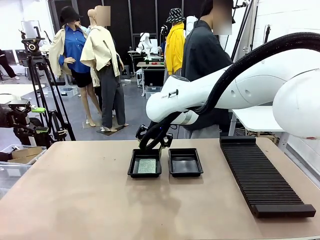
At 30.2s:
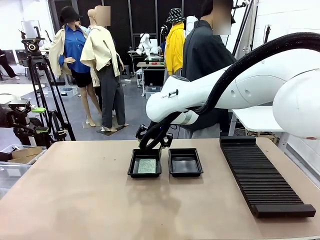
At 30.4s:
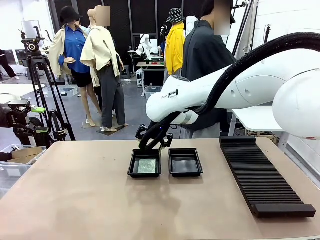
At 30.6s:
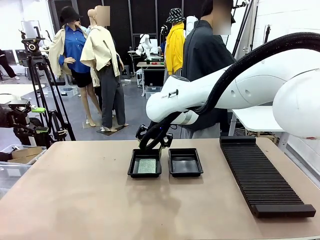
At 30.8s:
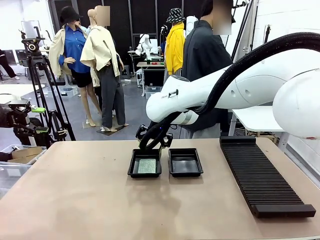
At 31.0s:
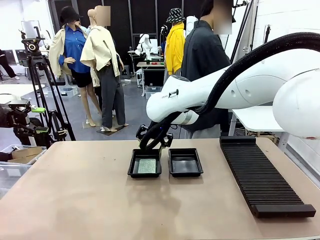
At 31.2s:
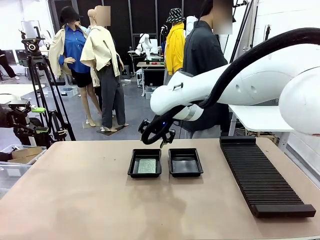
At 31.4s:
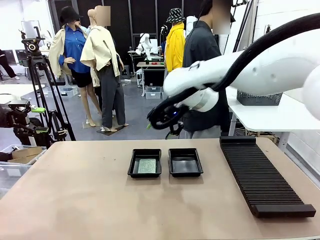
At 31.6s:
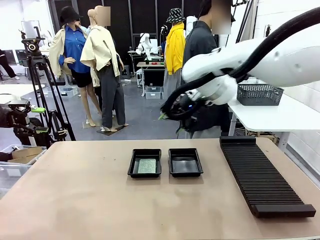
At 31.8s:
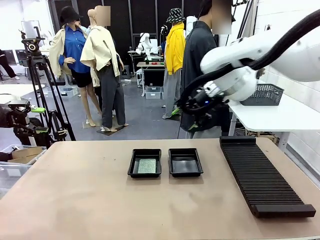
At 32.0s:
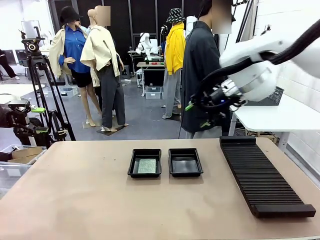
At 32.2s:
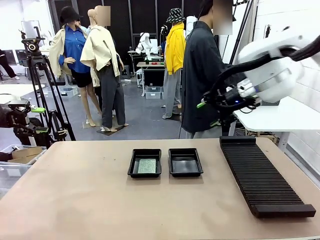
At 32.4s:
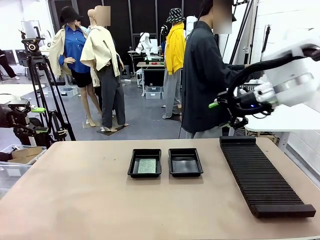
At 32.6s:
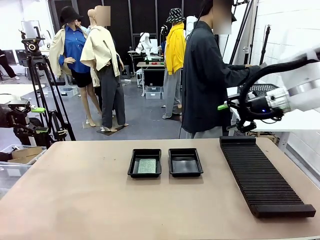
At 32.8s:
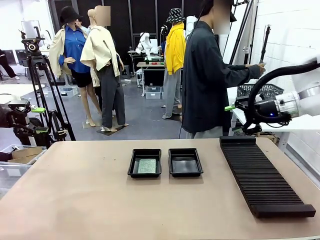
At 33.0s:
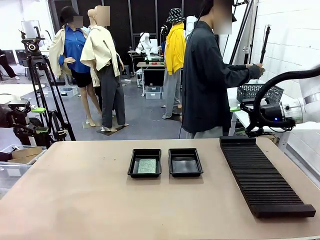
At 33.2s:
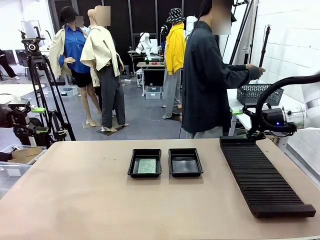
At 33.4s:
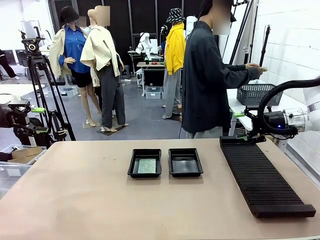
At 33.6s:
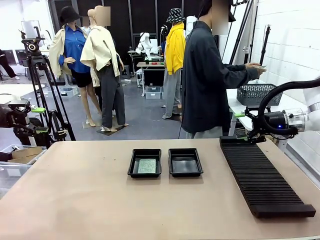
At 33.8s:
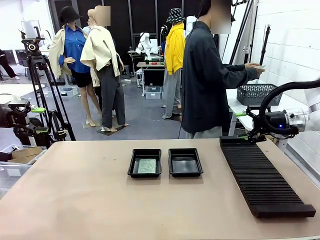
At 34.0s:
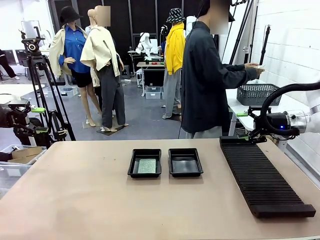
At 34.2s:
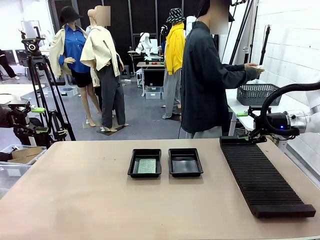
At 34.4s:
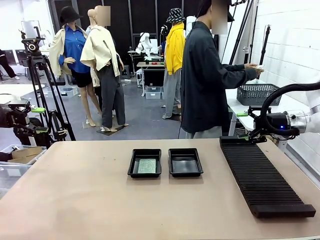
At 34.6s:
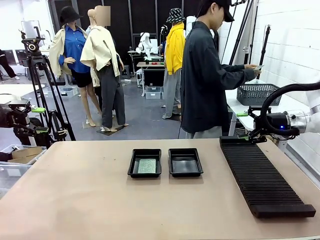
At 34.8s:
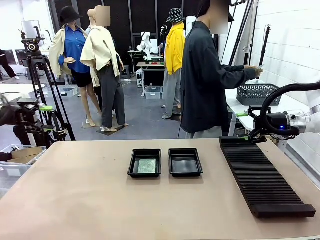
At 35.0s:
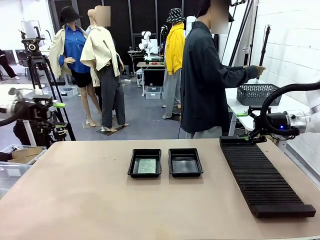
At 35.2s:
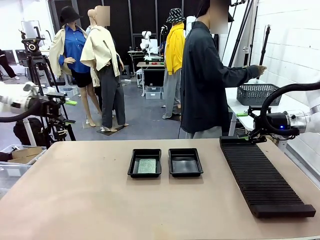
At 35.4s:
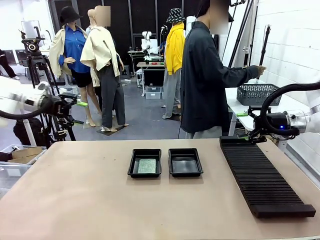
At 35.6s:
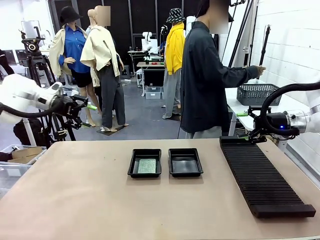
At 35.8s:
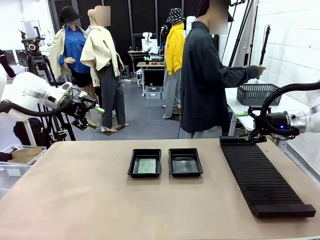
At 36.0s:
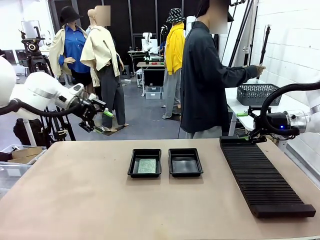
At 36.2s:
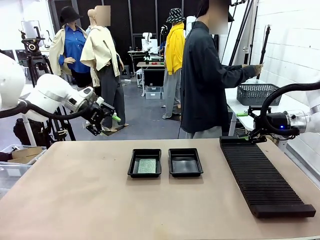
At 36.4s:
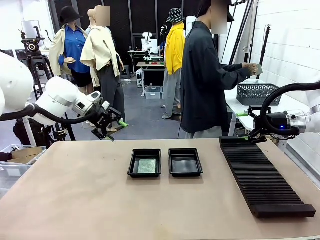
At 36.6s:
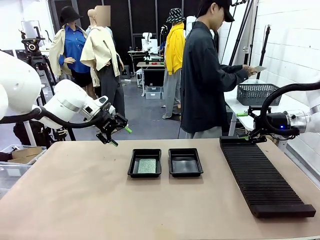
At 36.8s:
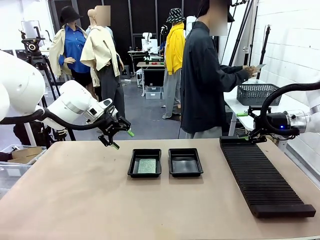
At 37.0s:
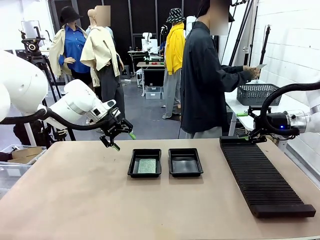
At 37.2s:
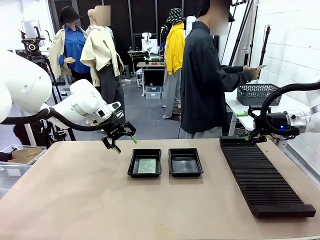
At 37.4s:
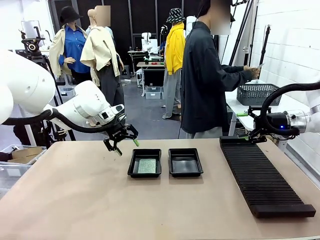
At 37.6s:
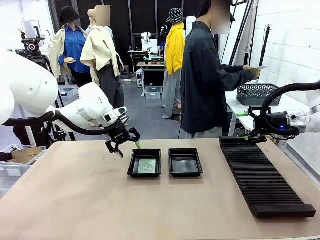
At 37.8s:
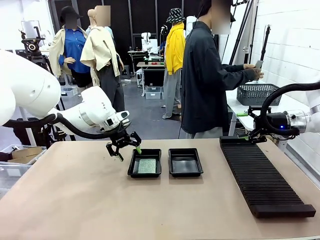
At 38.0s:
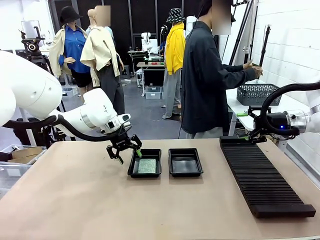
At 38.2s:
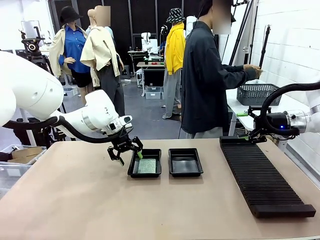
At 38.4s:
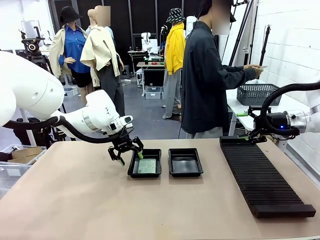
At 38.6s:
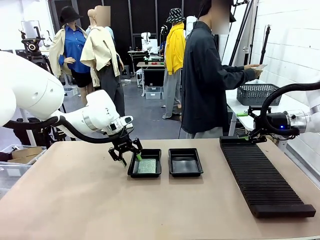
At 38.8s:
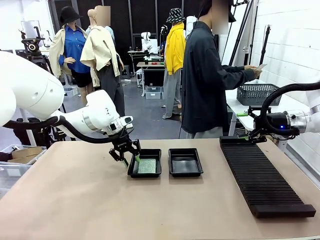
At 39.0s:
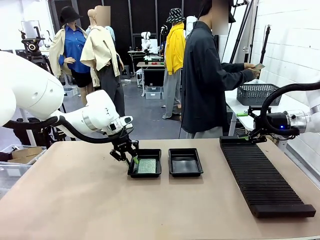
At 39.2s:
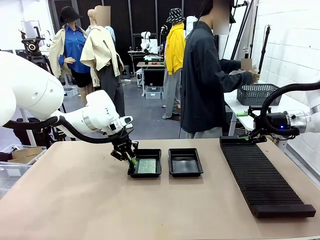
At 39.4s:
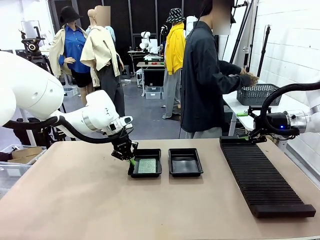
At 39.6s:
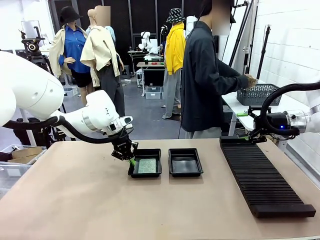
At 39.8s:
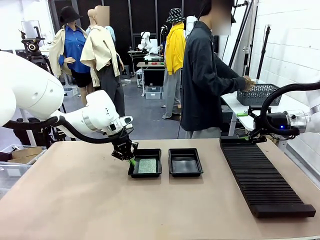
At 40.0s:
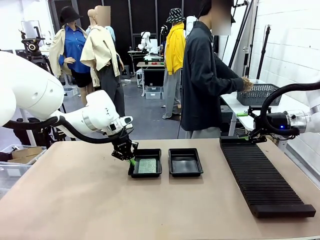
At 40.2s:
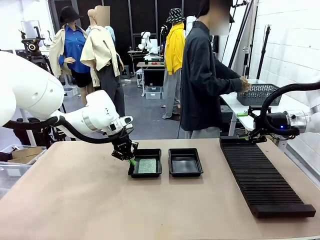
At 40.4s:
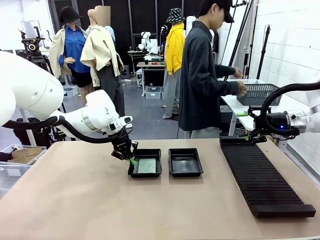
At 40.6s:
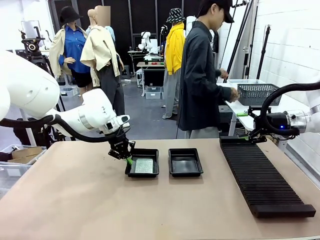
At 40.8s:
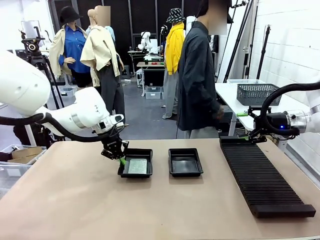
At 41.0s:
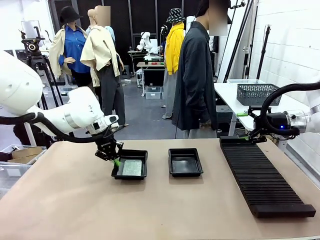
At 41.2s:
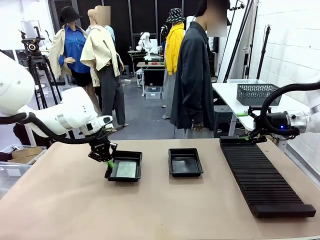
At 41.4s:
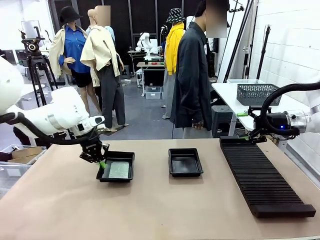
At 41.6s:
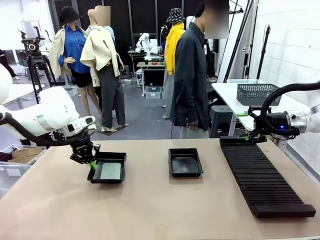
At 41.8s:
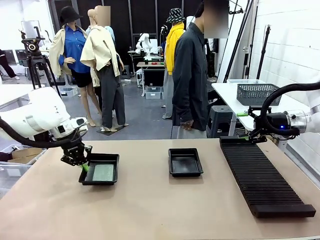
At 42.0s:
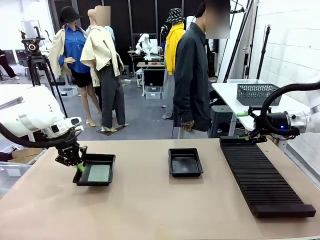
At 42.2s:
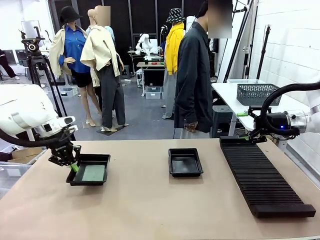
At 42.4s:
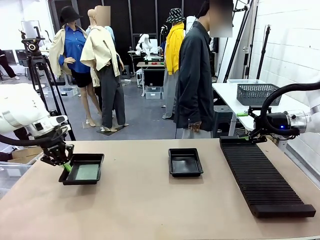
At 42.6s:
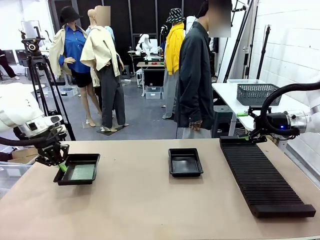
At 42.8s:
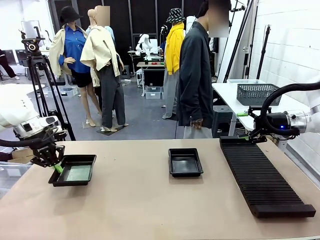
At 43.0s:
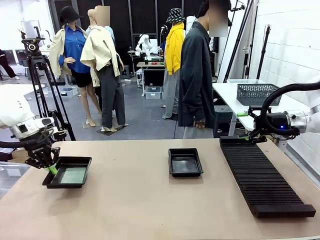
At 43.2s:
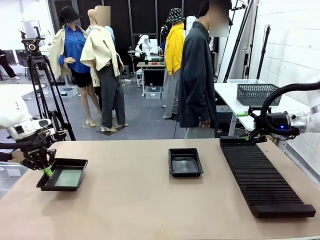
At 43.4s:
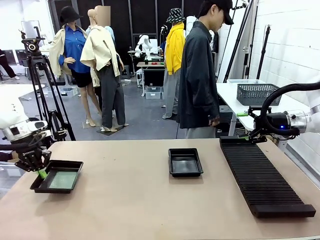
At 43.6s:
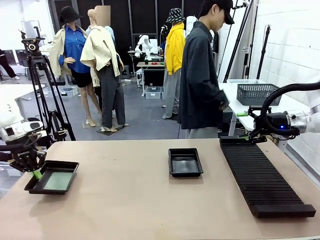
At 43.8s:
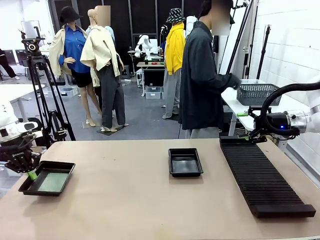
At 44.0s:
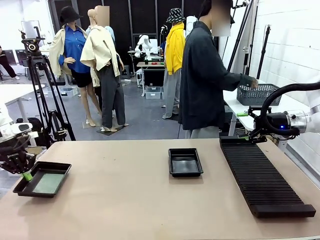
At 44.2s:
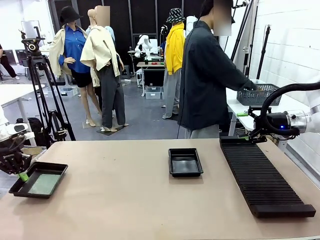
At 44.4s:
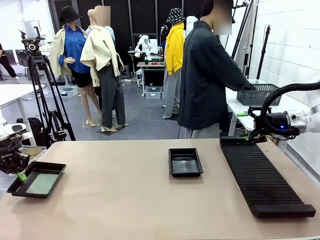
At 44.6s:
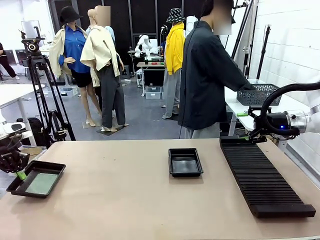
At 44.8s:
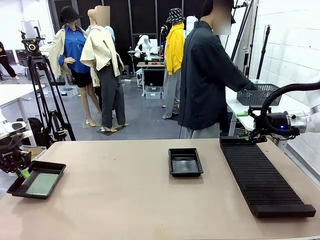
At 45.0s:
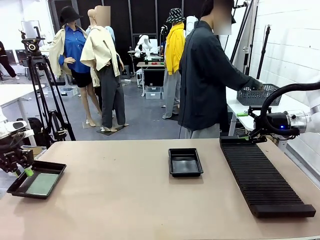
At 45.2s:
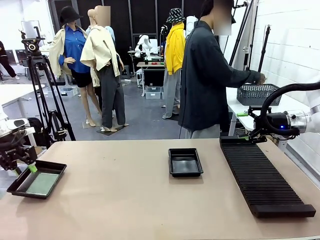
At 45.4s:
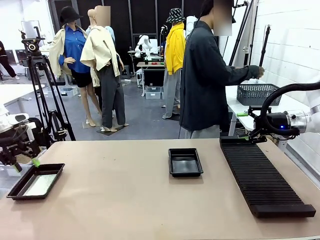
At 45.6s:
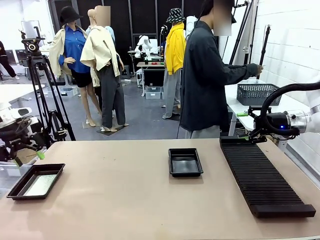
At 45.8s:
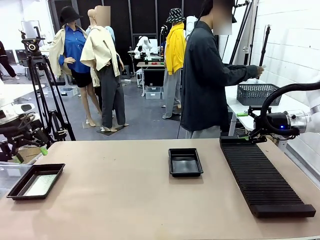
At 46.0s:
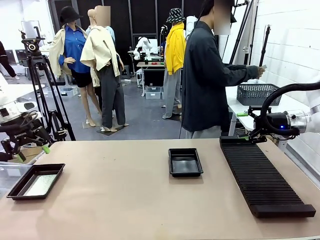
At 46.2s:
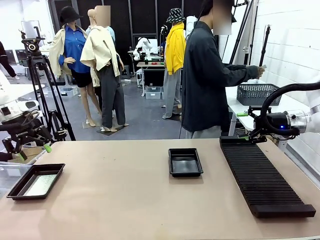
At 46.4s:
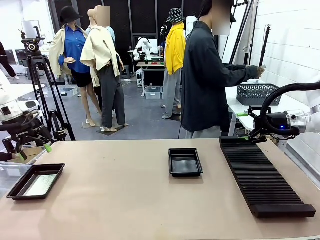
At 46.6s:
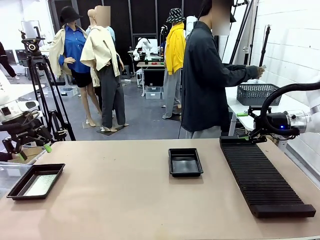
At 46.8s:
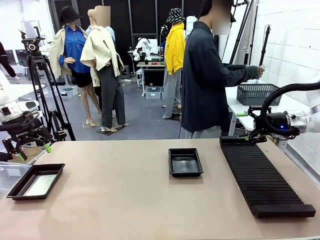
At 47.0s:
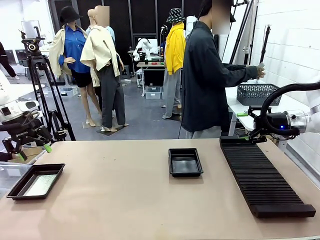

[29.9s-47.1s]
Task: Inspect and transfer BCBs to ESD trays.
Robot: Pick up the ESD tray and place it on the left side of the table.

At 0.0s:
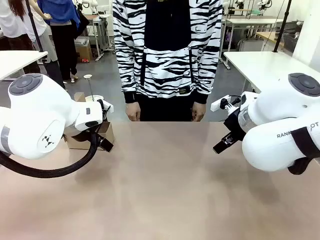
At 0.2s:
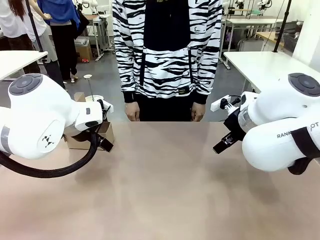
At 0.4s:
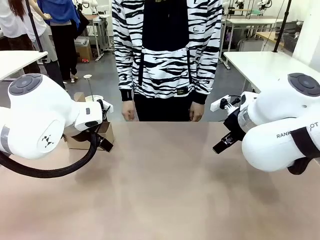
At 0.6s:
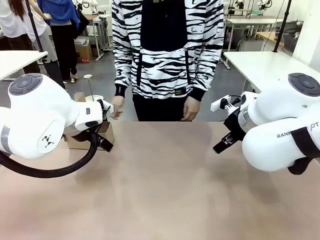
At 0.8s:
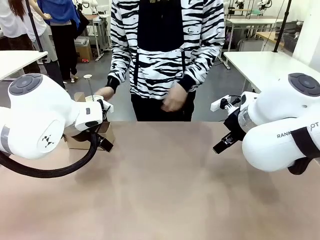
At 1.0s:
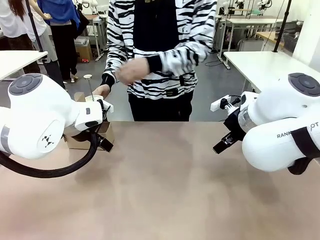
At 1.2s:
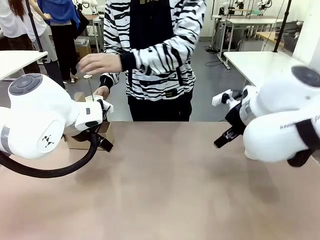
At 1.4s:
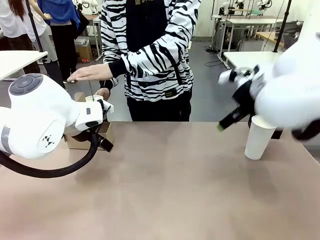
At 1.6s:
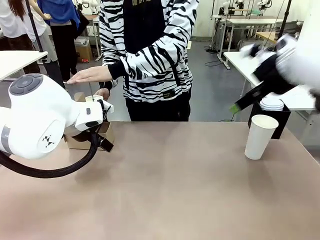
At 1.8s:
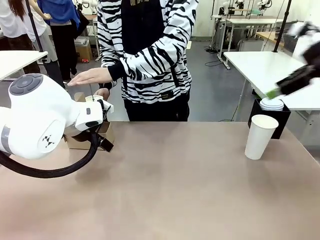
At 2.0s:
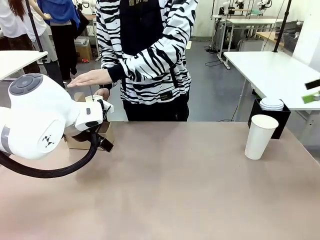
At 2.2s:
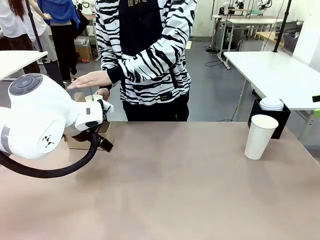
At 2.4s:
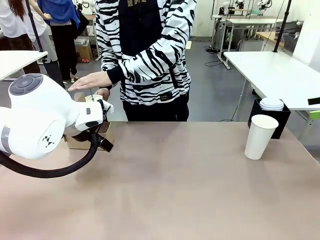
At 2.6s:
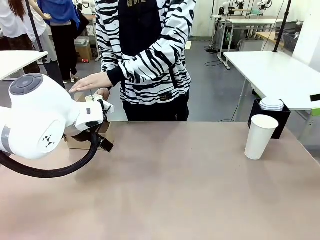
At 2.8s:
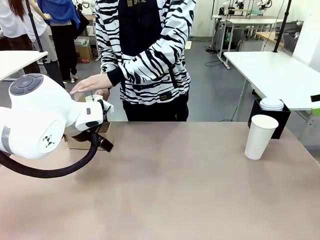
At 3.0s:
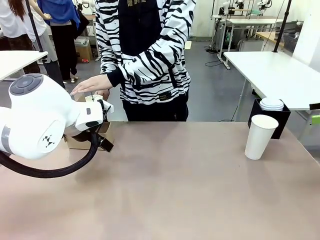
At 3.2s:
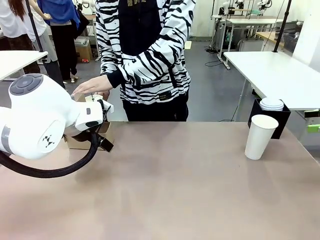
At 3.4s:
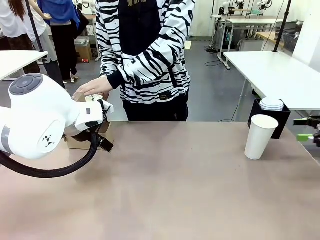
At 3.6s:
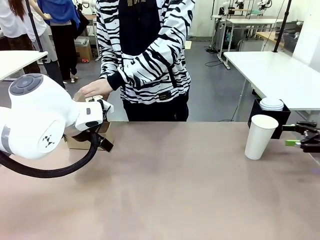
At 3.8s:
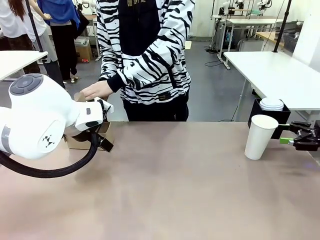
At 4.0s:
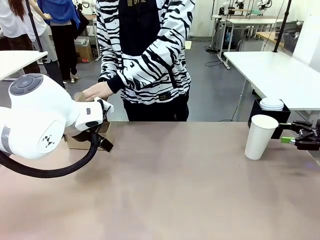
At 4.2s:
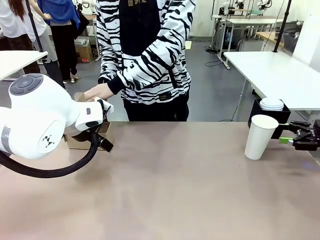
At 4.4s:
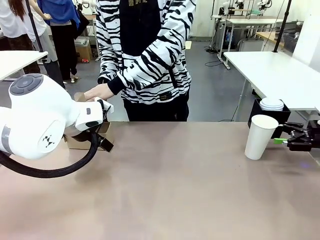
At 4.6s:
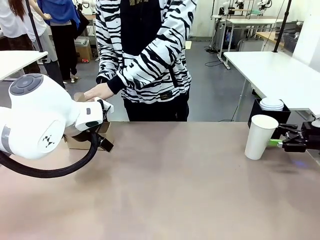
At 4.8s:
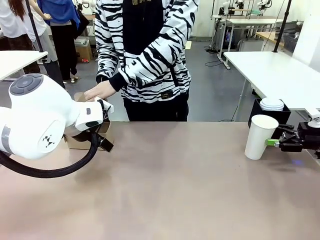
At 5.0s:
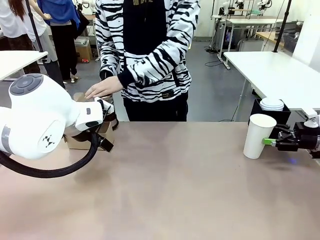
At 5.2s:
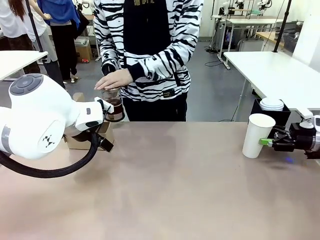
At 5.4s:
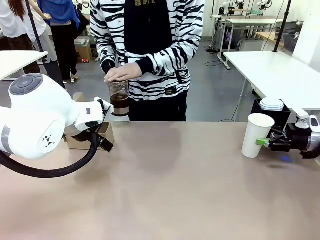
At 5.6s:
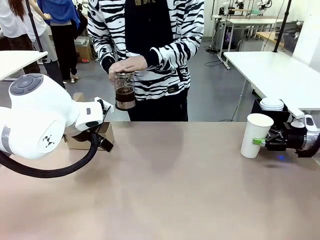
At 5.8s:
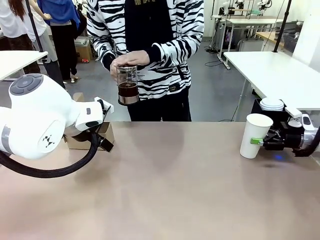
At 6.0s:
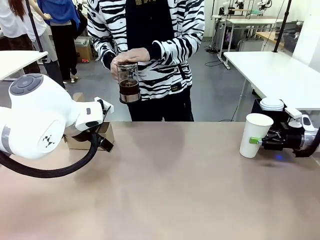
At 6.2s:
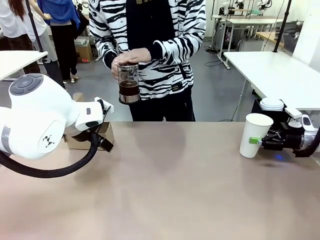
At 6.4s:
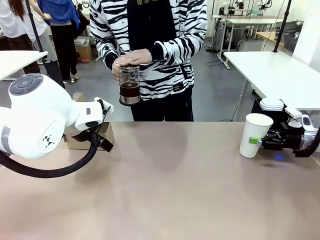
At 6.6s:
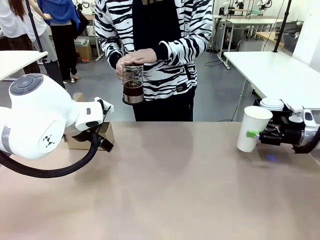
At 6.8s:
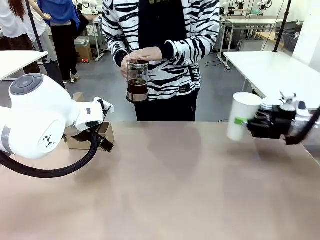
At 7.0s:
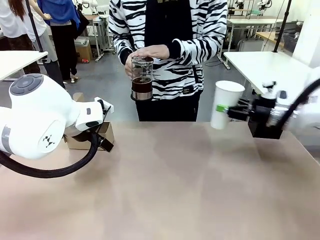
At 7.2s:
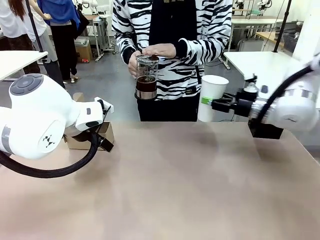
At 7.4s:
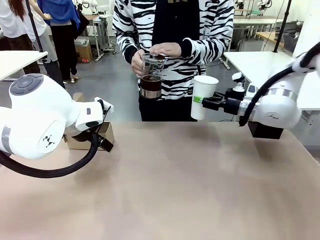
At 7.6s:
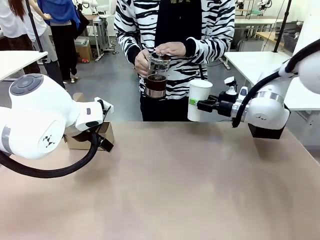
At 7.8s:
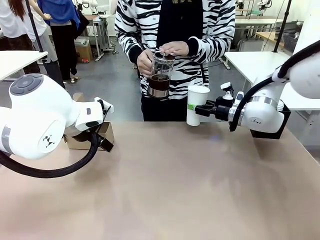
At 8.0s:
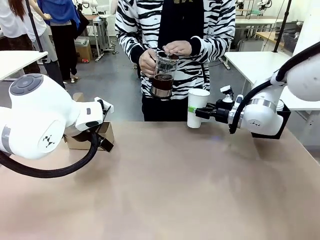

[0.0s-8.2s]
Task: Pour a drink into a cup and package it in a carrier.
Robot: Pick up the 600 ml Paper Cup and place it in the middle top area of the table.
Person: Press and pick up the Filter Brewing.
